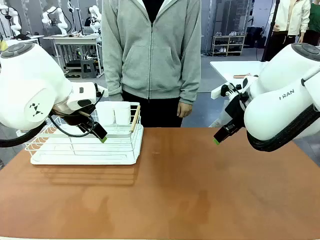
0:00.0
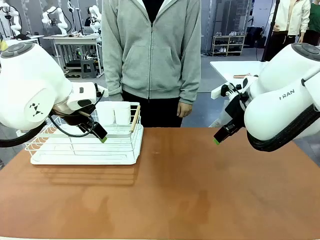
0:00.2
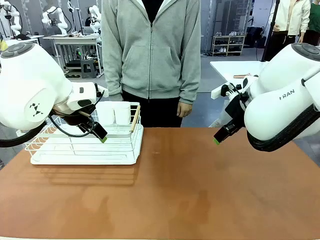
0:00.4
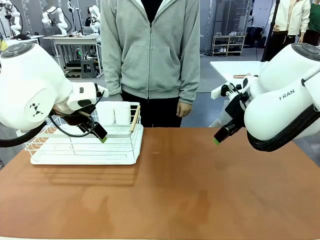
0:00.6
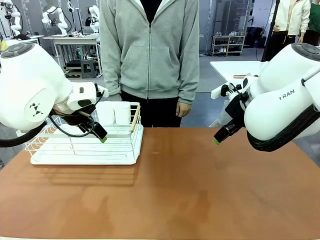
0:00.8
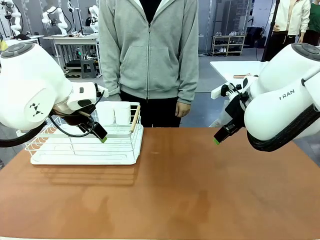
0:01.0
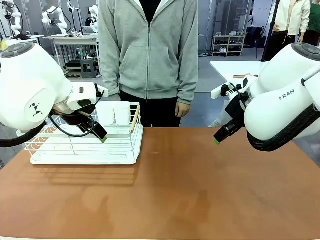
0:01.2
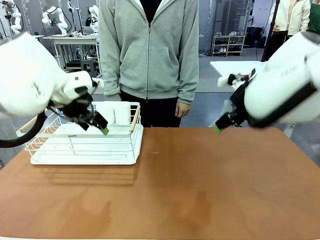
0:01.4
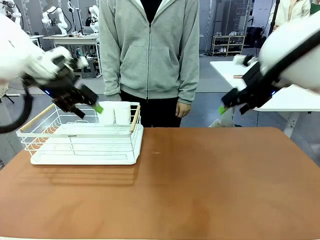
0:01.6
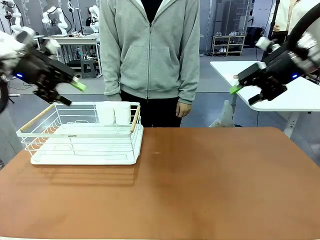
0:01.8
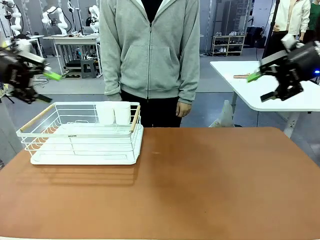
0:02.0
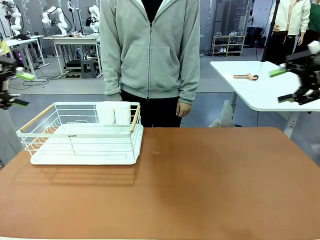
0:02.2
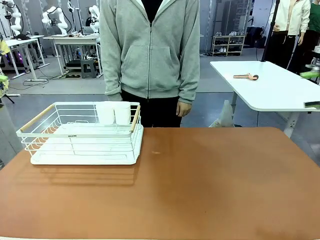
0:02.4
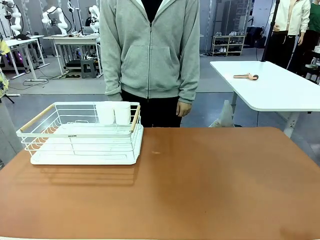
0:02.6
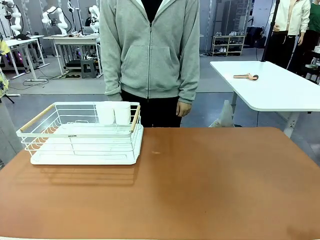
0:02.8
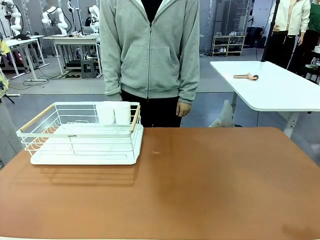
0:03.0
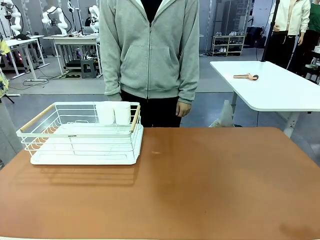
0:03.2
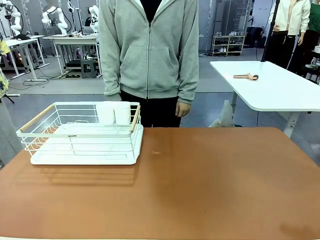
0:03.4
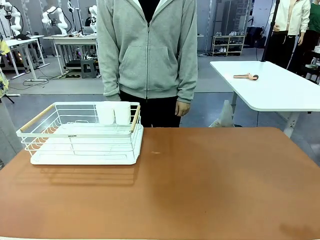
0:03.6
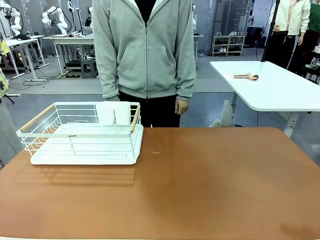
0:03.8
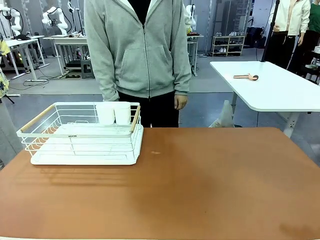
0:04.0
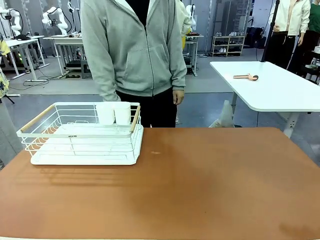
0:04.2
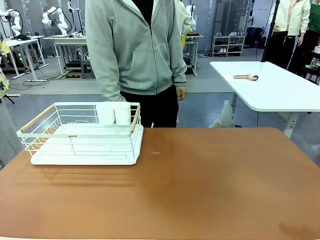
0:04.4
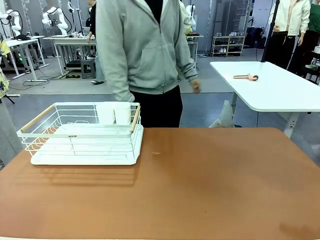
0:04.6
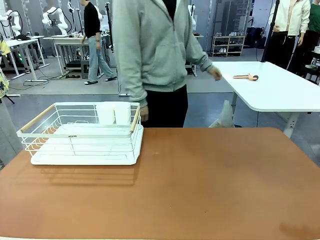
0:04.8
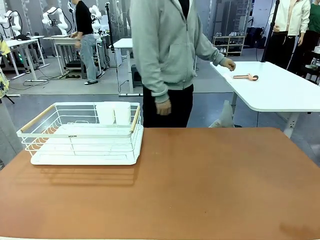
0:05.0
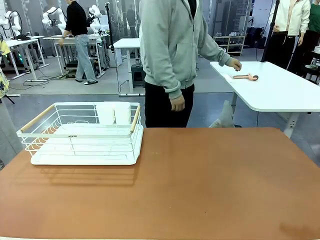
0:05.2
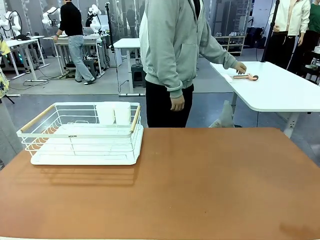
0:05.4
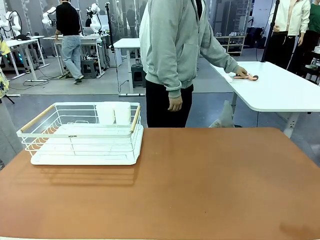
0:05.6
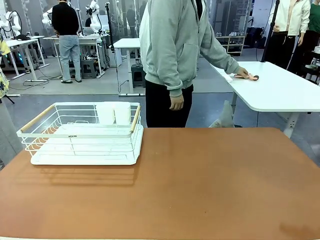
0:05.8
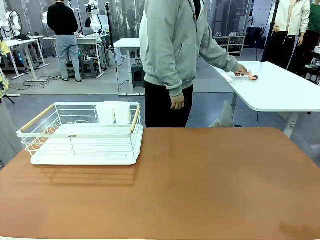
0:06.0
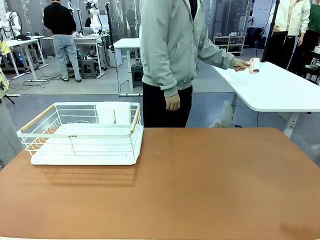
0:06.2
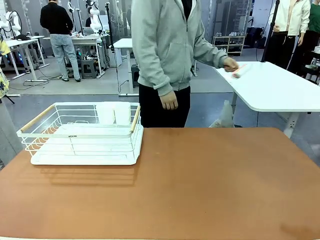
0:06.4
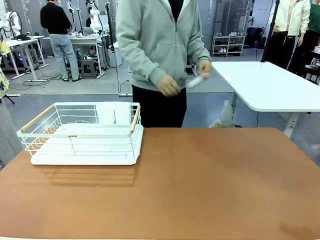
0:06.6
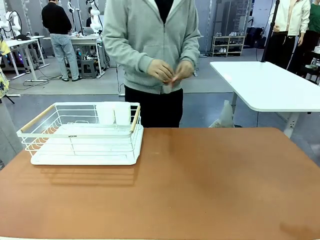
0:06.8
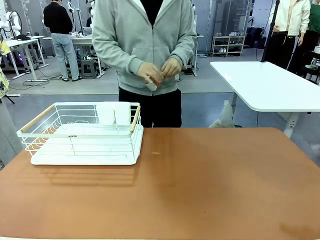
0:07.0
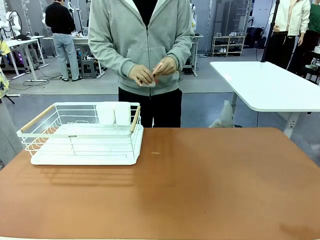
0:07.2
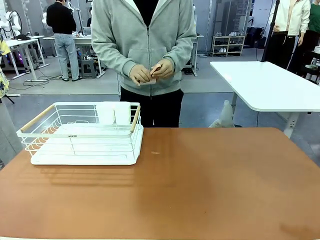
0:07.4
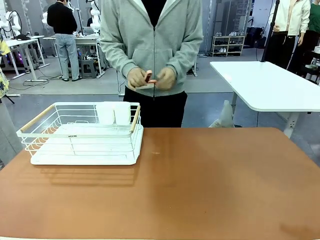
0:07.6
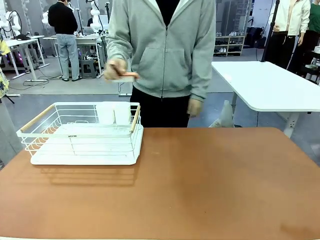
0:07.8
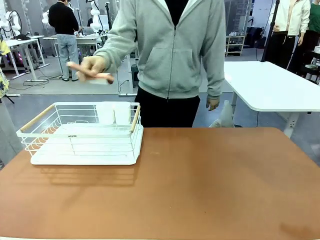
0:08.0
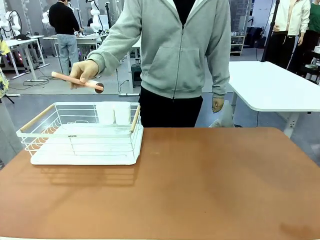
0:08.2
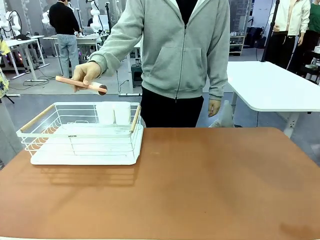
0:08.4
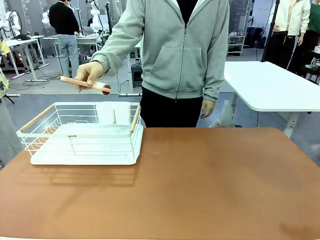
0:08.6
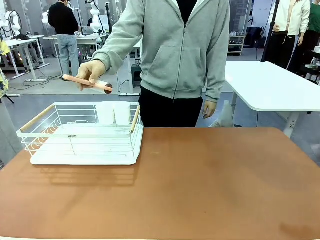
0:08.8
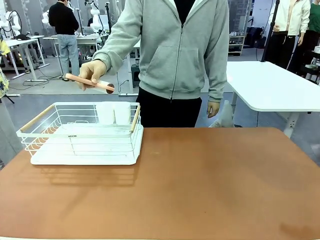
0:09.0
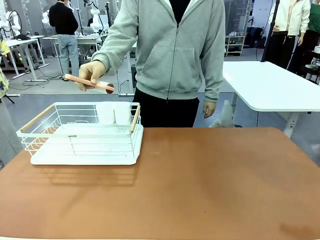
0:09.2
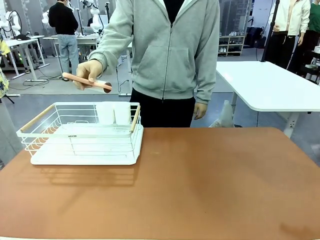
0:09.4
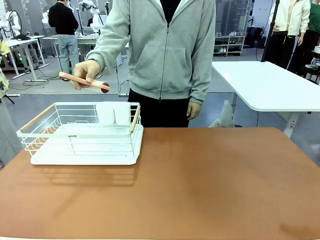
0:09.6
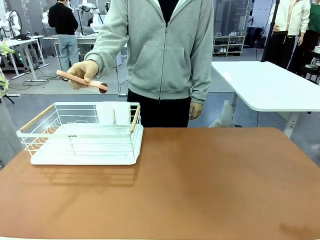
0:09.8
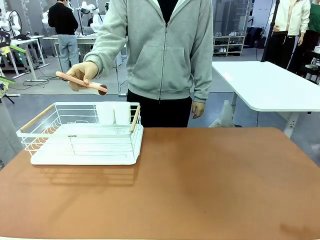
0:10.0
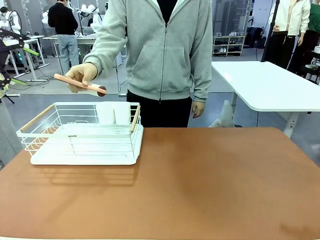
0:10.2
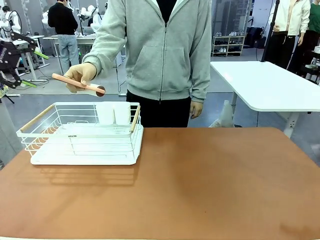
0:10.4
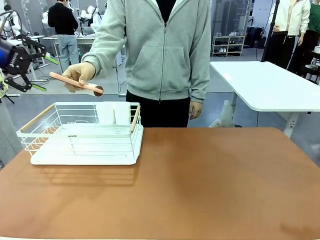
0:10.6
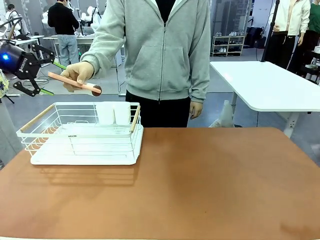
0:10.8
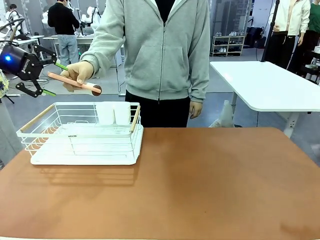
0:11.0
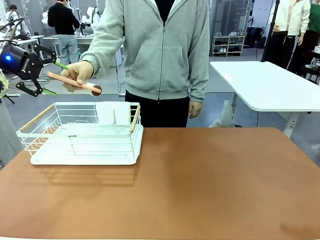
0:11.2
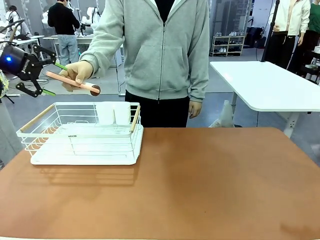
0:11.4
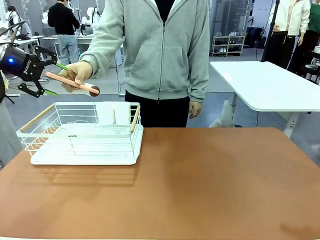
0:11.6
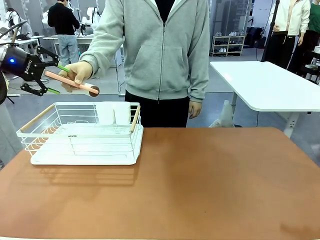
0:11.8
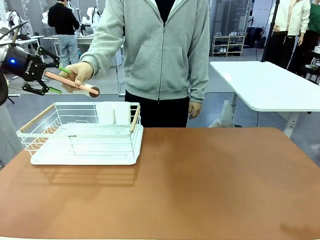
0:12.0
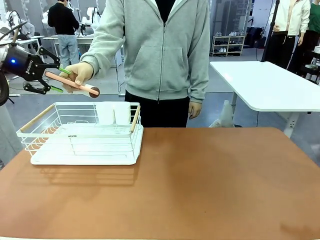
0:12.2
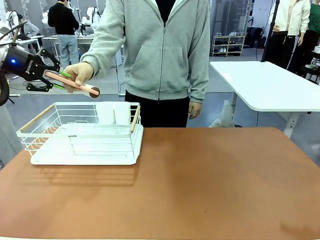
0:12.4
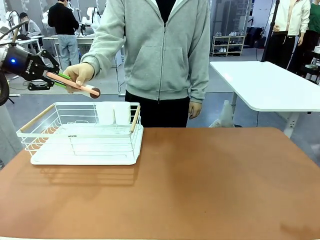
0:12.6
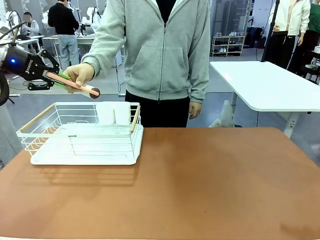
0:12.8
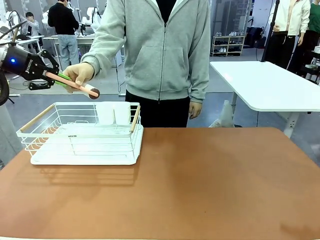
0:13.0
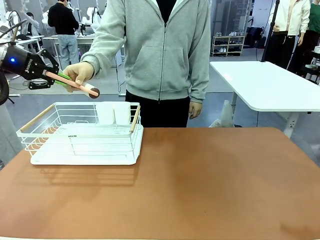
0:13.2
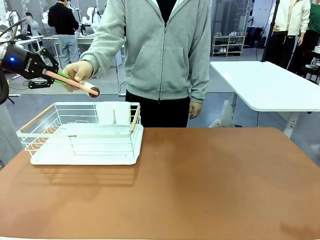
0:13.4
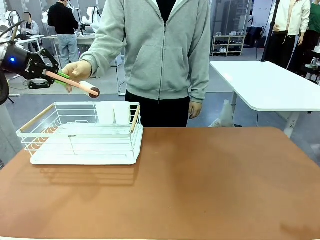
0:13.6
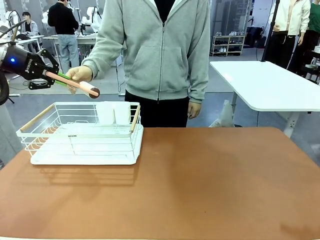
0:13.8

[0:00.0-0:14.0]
Task: Clean the table.
Robot: Pick up the Lint Roller when the human hands it over.
Person: Hand the Lint Roller to the robot so it can easily pick it up. Lift the Dish drying rack.

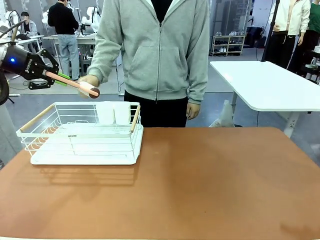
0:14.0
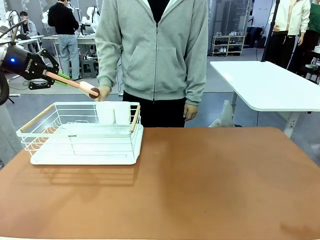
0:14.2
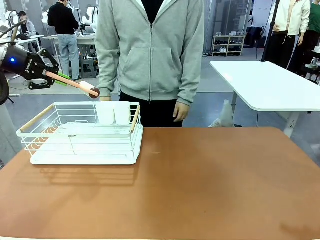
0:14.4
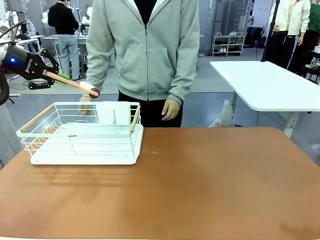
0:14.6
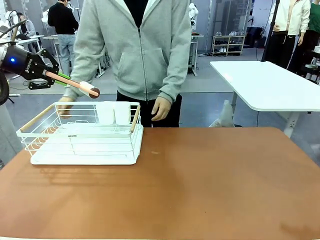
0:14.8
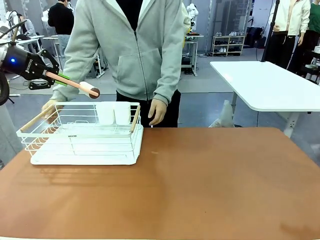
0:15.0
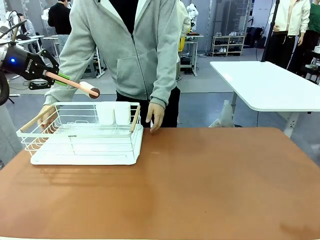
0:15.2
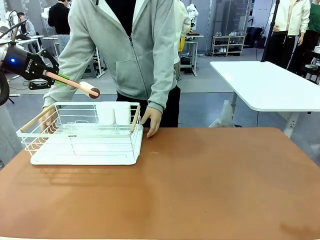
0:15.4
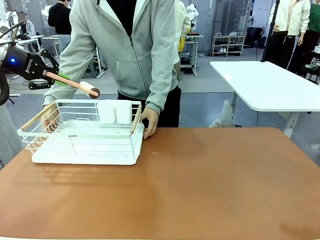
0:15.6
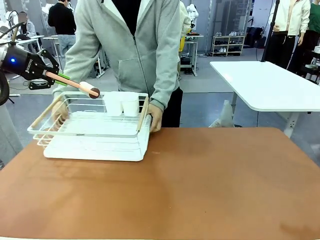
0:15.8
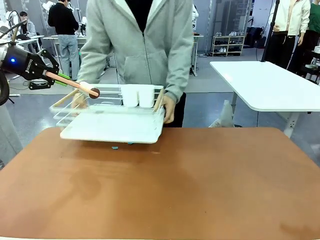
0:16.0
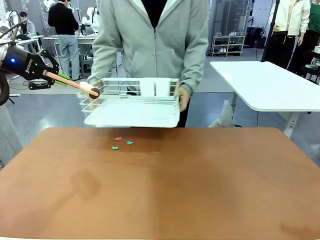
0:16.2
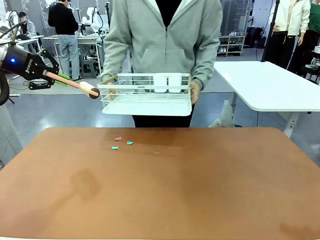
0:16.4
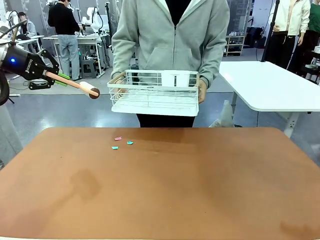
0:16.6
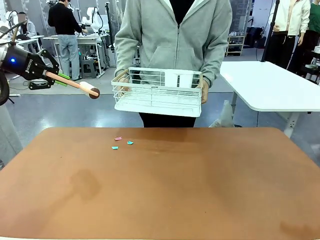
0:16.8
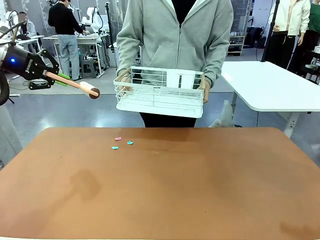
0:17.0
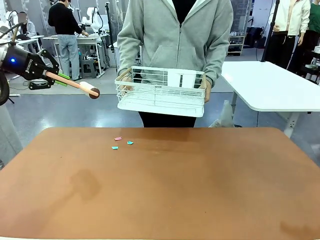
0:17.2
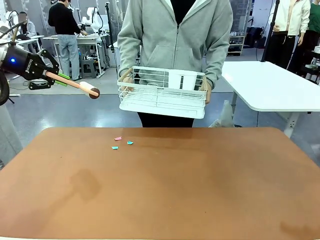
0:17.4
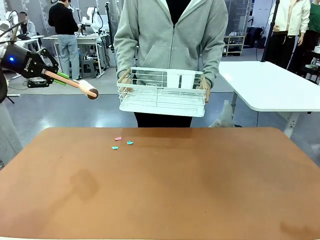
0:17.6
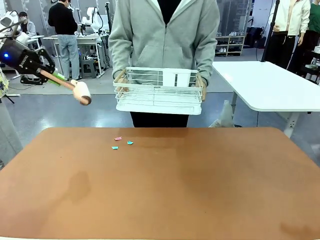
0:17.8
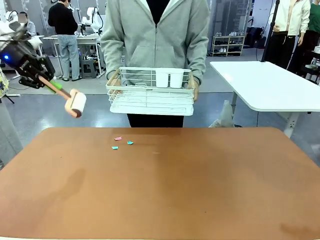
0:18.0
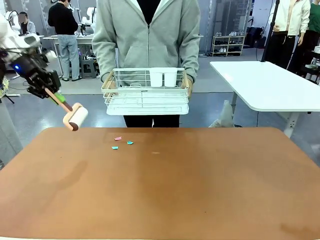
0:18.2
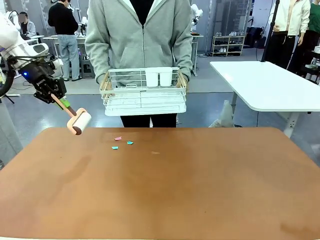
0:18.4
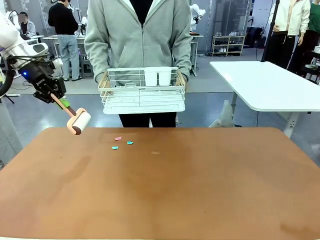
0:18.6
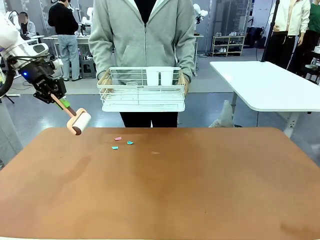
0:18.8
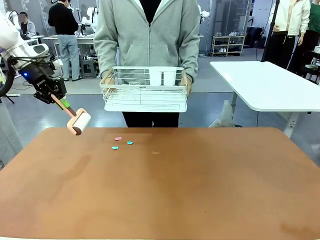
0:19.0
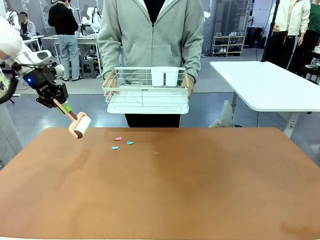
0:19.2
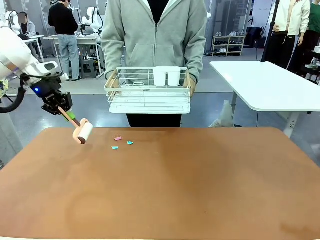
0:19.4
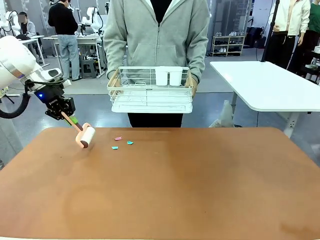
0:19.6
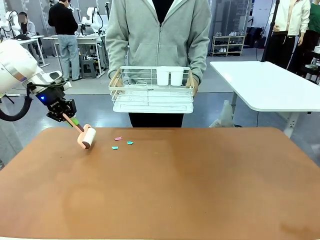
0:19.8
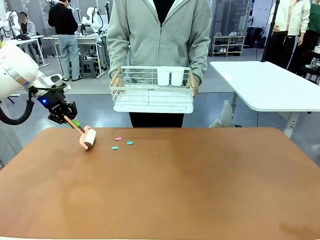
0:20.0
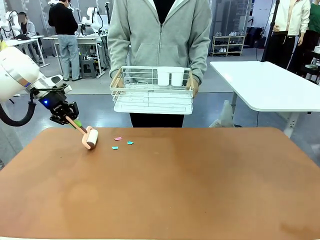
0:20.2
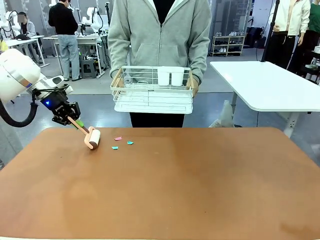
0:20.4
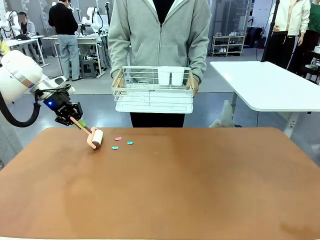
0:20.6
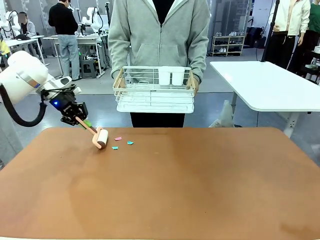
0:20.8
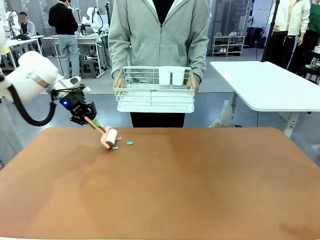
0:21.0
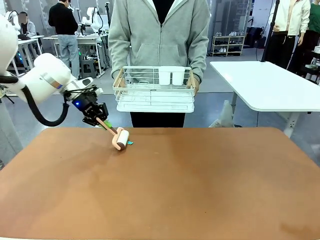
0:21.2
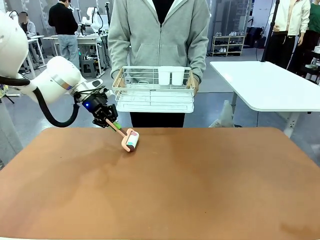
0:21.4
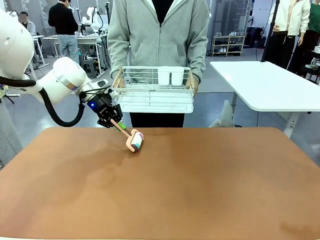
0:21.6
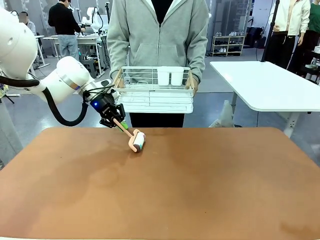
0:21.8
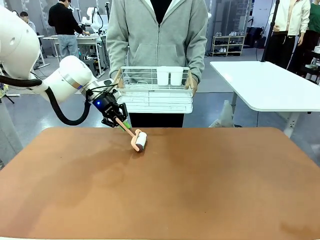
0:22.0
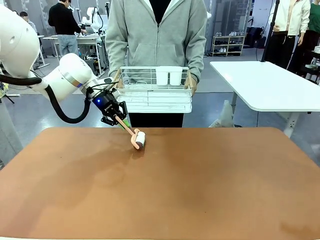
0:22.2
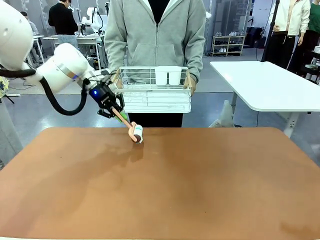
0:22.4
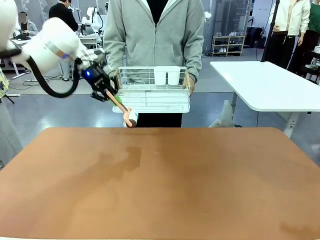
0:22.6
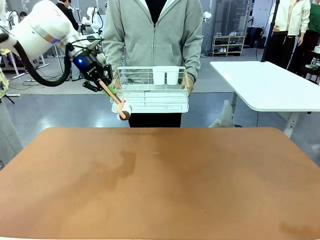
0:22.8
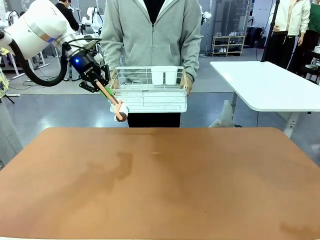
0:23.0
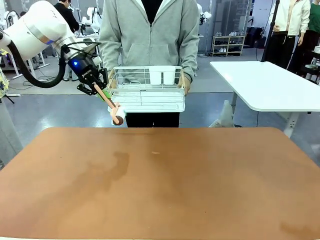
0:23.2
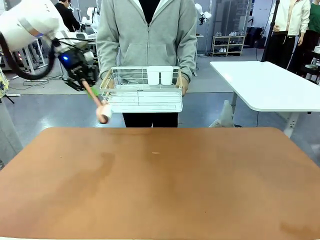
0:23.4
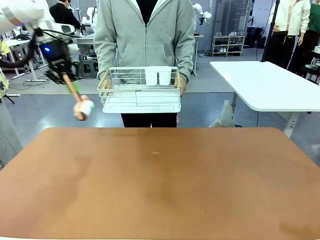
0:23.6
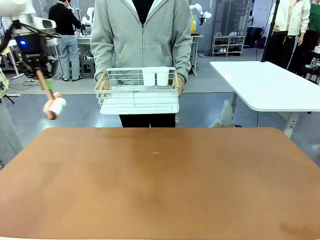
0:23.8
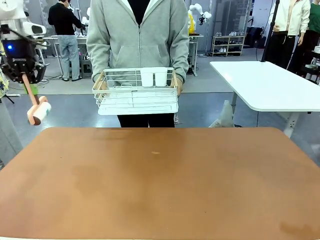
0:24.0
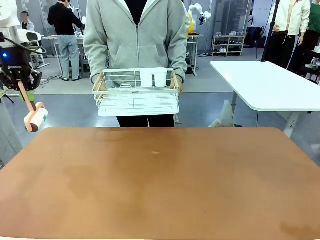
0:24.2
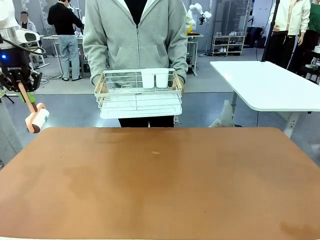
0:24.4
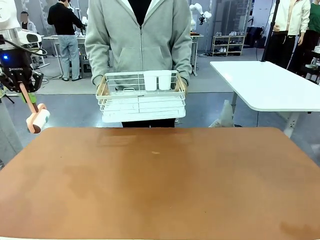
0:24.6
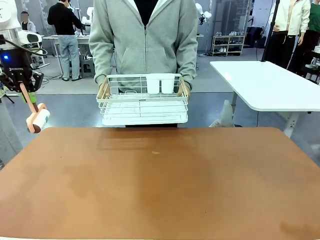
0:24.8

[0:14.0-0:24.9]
Robot: Clean the table with the Lint Roller when the human lifts the Dish drying rack.
